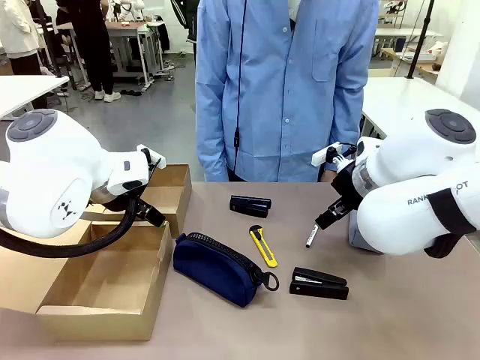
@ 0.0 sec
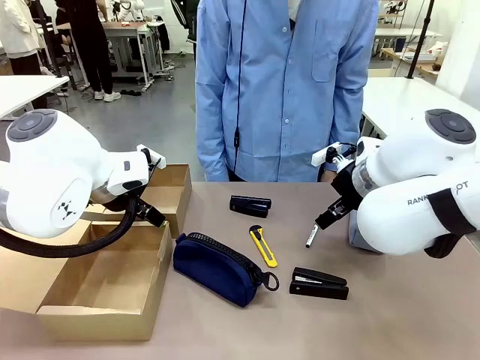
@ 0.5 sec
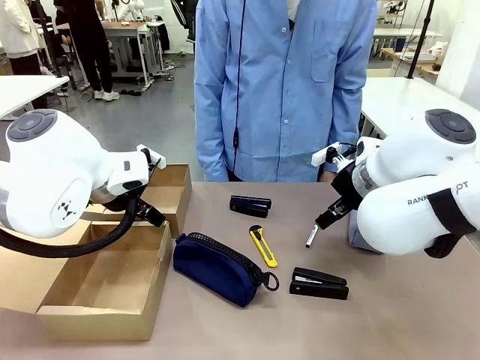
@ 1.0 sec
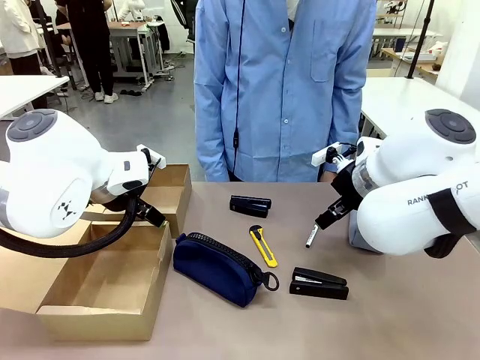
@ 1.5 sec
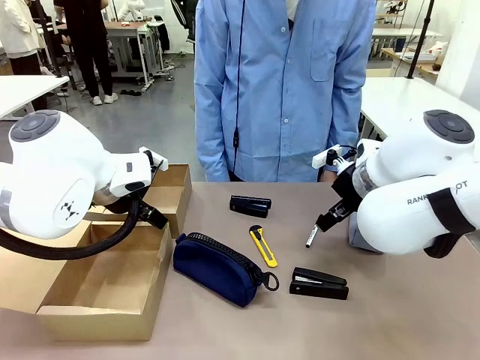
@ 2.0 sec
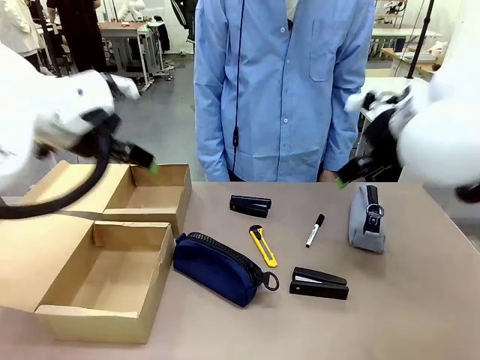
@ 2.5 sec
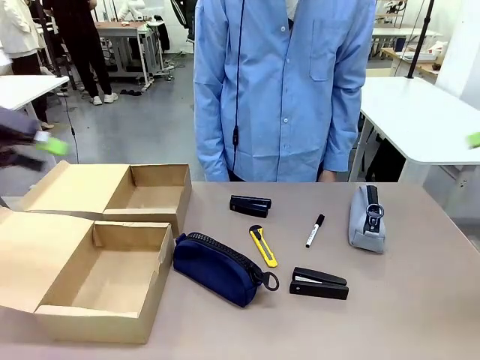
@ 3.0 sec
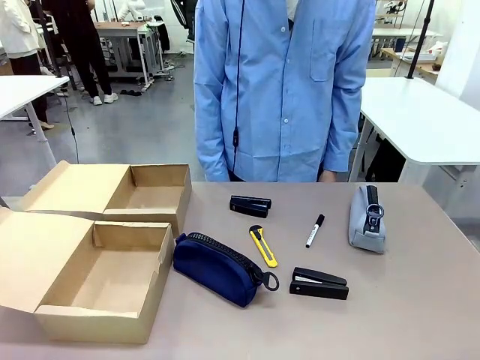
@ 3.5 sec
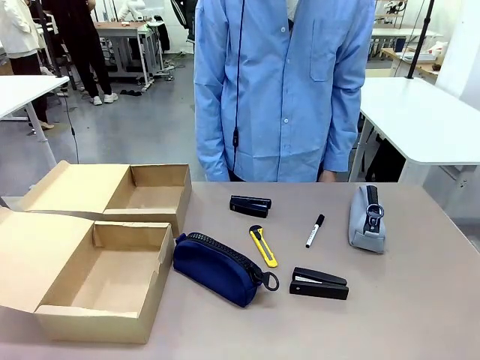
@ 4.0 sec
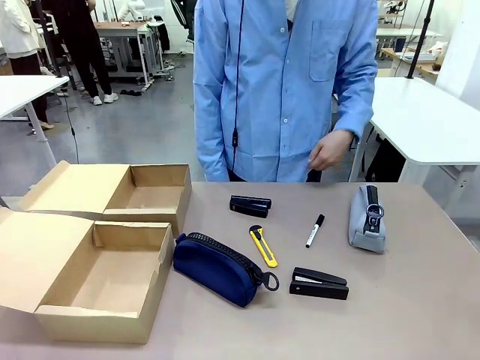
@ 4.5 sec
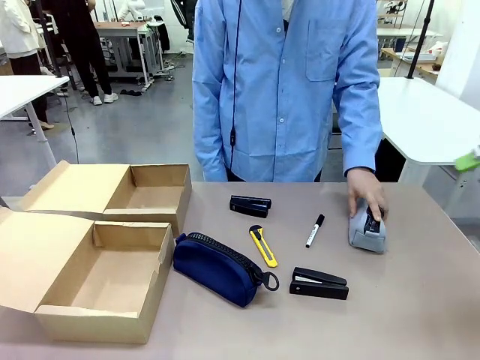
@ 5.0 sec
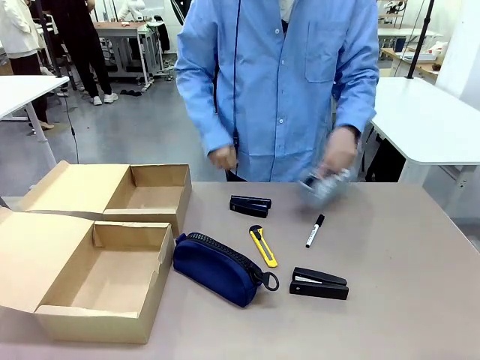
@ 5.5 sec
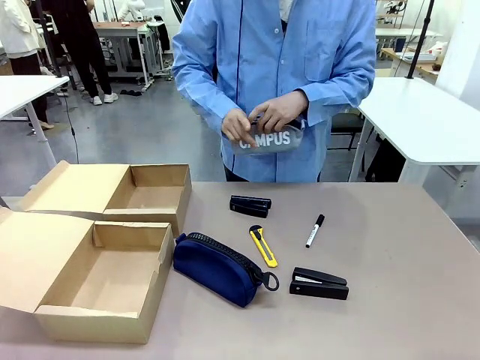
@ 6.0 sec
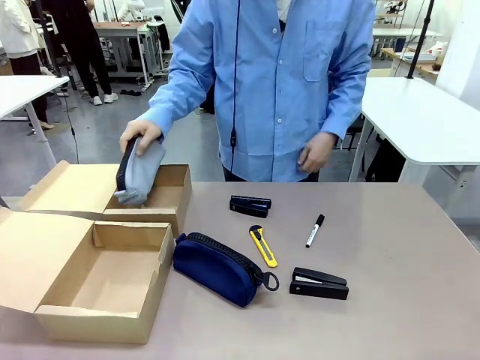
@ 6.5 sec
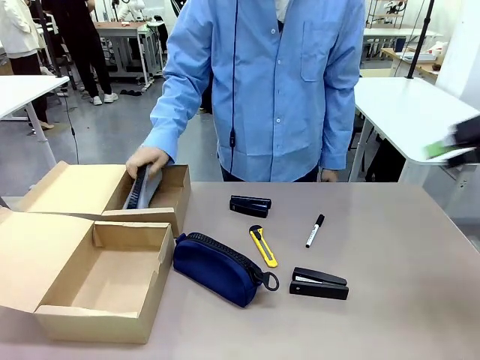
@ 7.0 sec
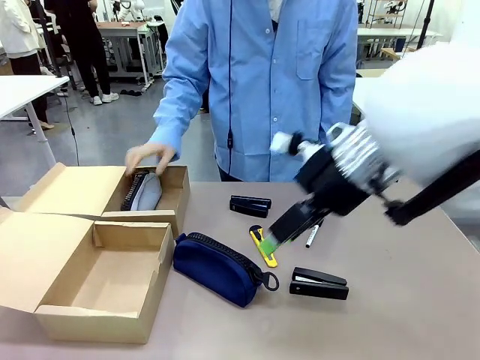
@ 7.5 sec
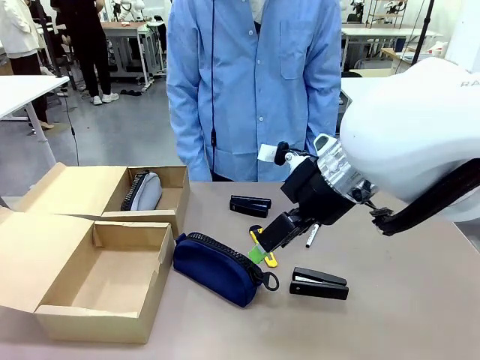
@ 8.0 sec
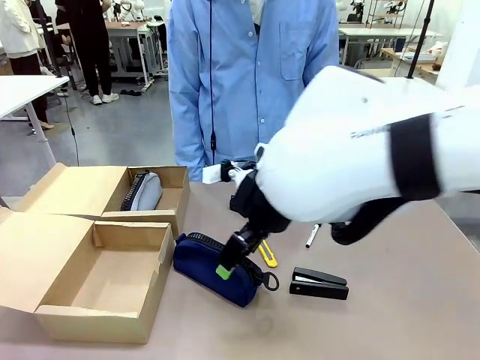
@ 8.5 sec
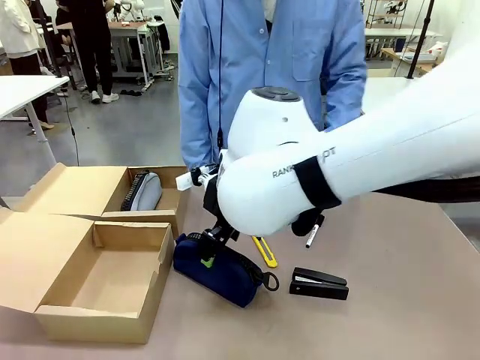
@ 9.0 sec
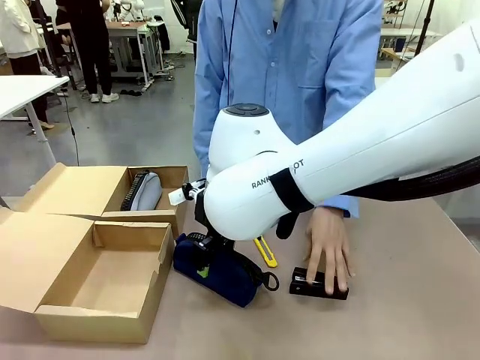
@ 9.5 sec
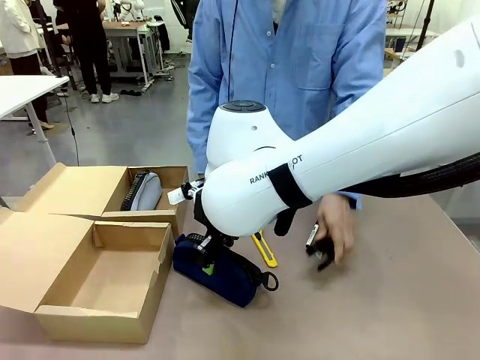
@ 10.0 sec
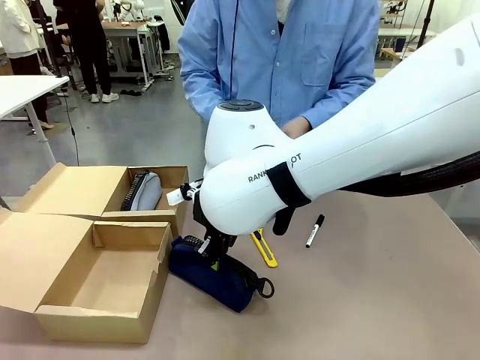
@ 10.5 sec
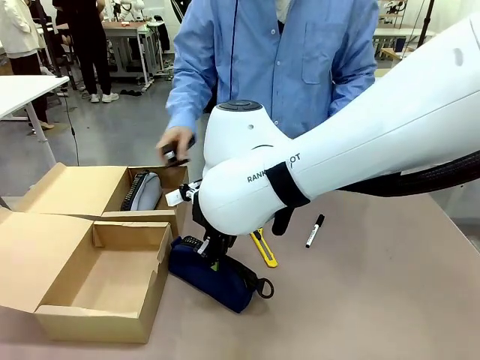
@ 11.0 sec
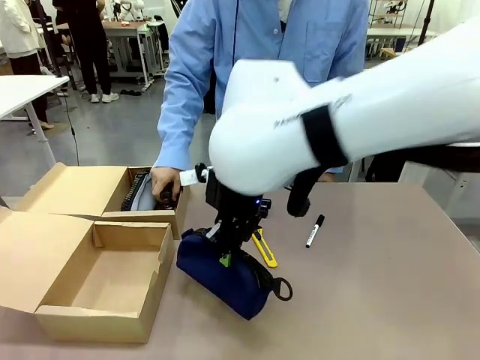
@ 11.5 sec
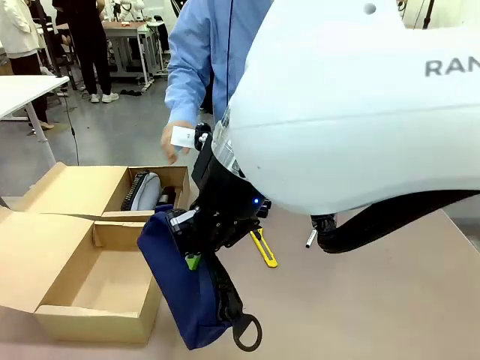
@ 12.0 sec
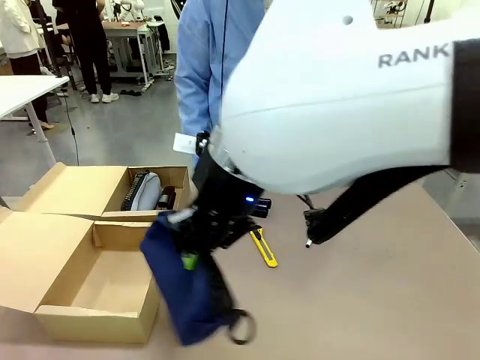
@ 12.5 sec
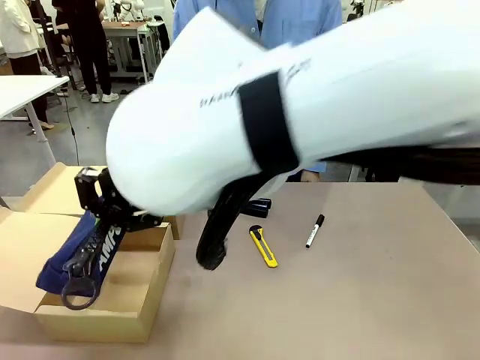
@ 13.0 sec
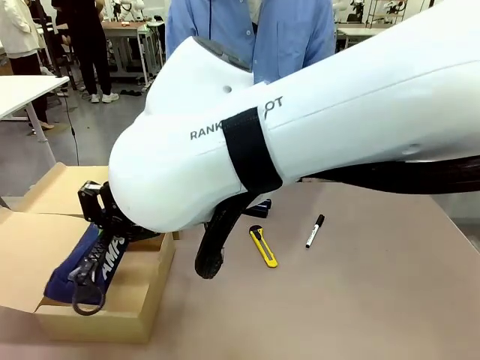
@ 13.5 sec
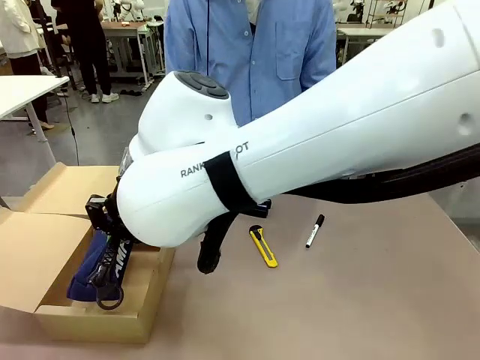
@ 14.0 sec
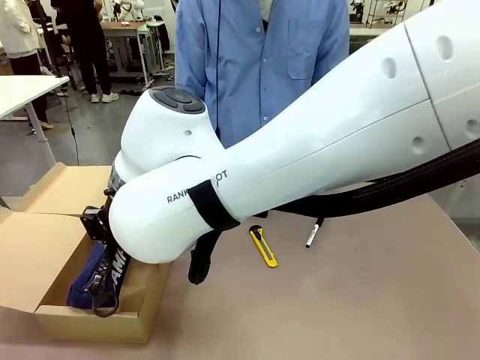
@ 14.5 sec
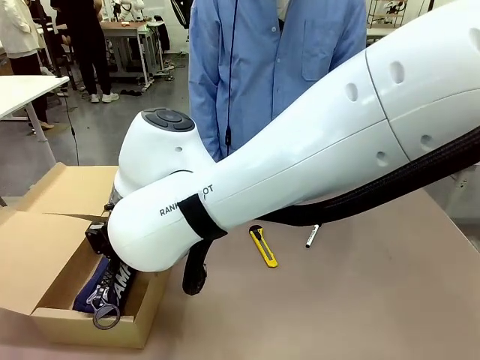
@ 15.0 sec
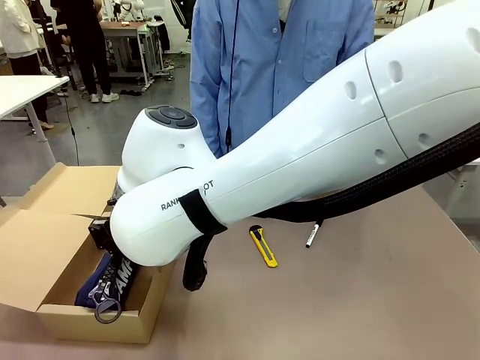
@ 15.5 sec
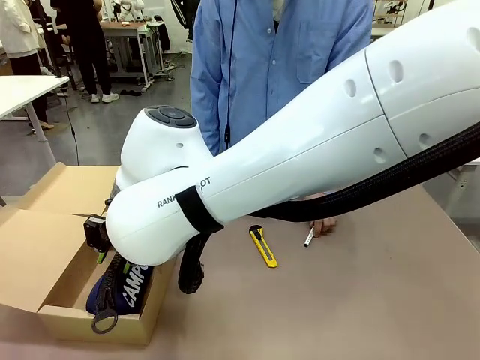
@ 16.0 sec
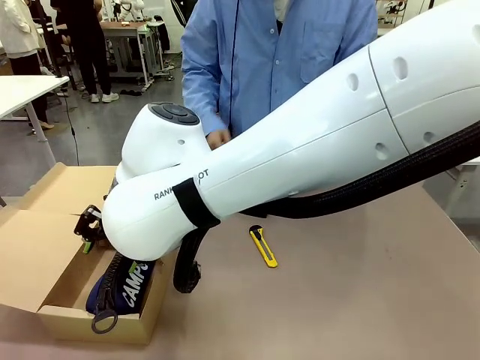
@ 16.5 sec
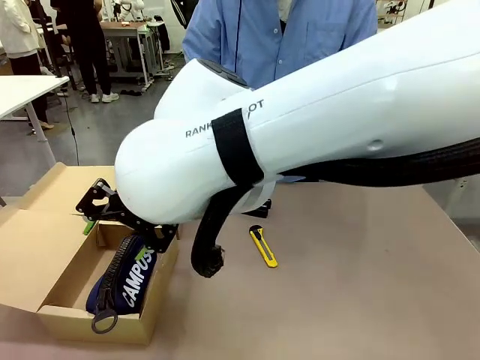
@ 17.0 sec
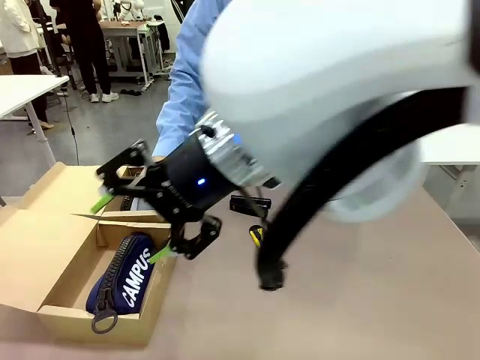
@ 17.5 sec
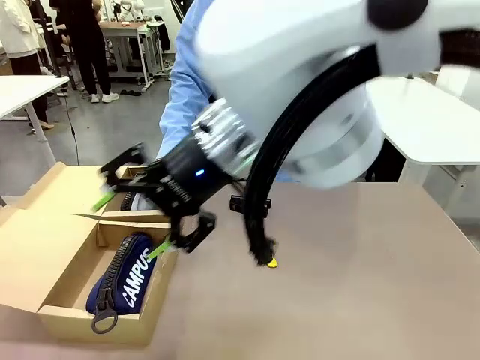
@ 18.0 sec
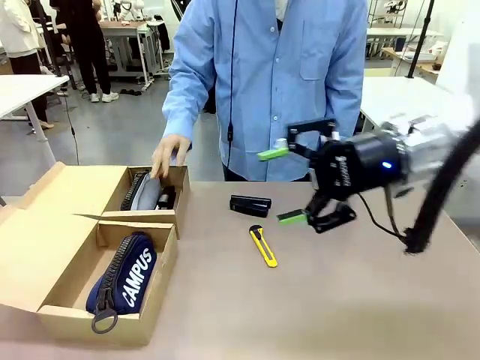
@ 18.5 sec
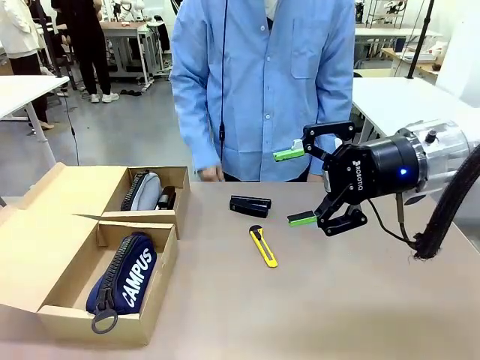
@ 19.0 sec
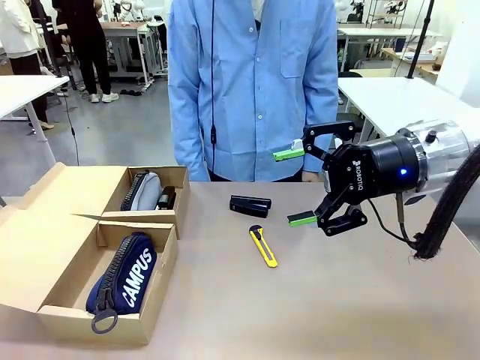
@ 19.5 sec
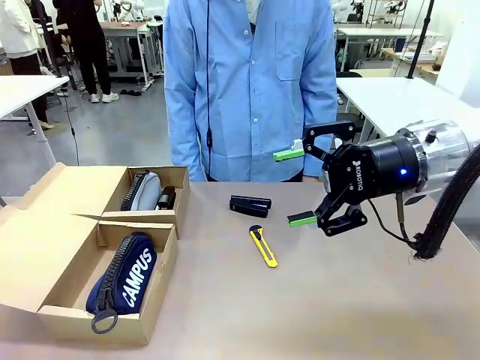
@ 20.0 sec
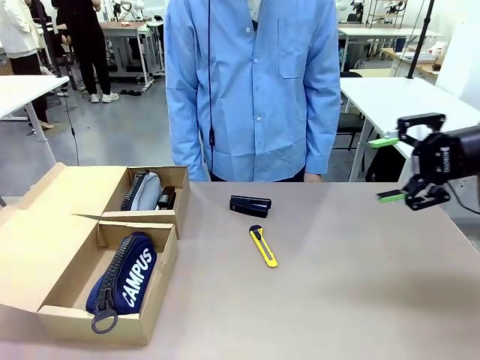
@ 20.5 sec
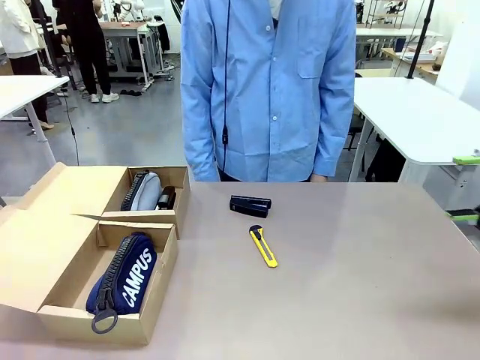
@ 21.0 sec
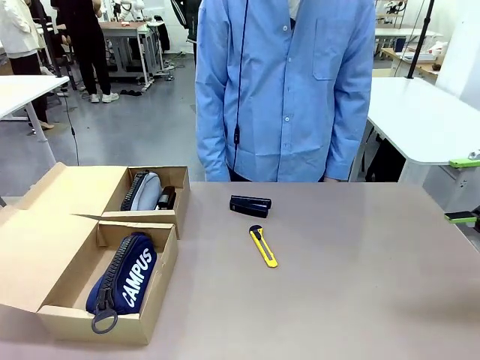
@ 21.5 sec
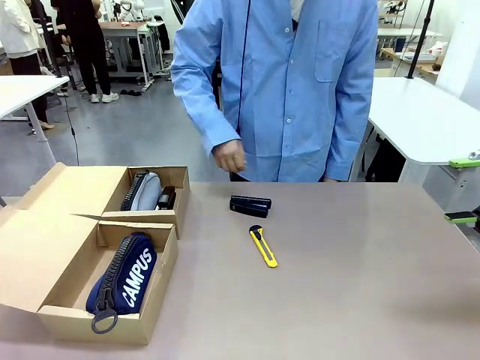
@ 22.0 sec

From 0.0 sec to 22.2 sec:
Task: Place items inside the box.
Robot: Pick up a Pencil pouch or Stapler and place it inside the Mailer Box closest to the robot.
Person: Pick up an object on the table and put it in the box.
